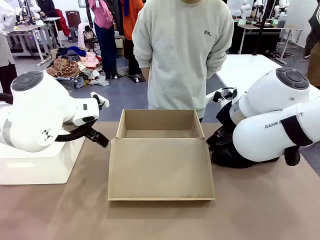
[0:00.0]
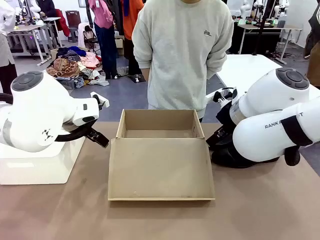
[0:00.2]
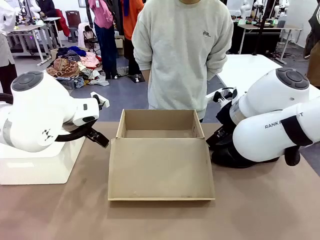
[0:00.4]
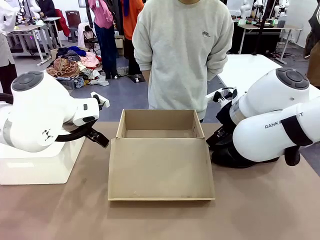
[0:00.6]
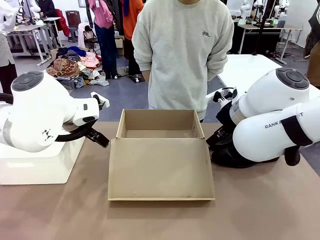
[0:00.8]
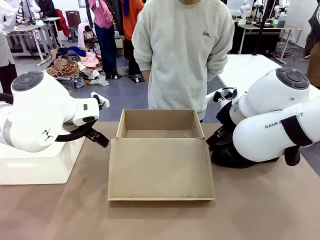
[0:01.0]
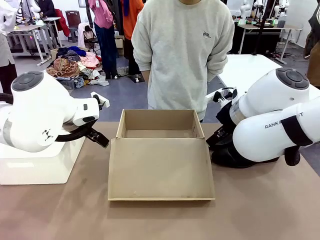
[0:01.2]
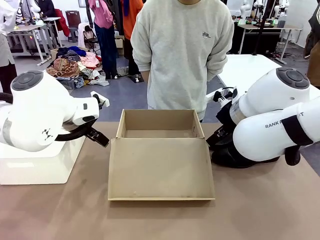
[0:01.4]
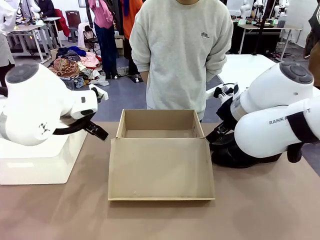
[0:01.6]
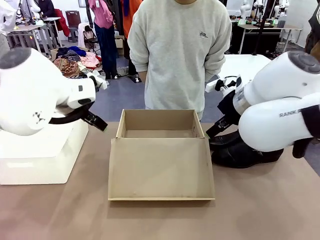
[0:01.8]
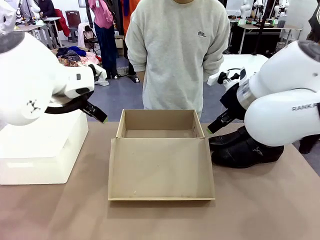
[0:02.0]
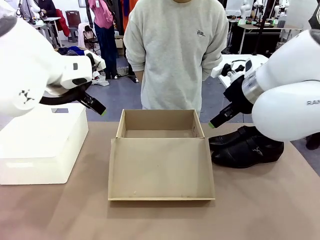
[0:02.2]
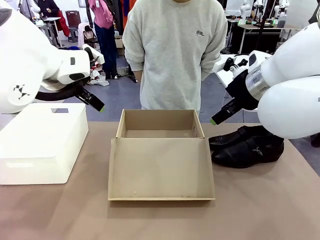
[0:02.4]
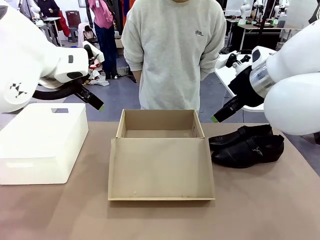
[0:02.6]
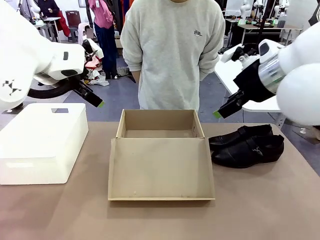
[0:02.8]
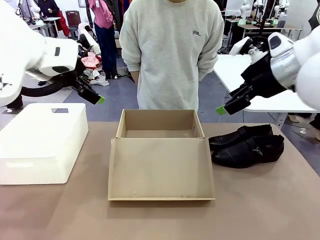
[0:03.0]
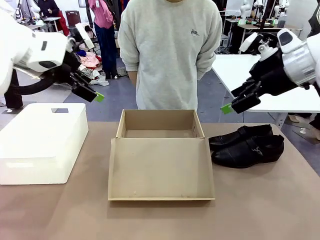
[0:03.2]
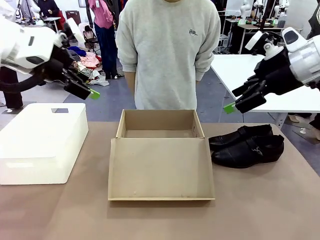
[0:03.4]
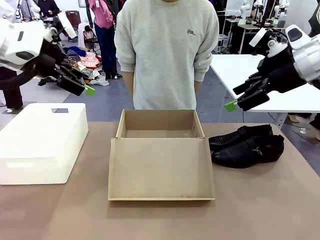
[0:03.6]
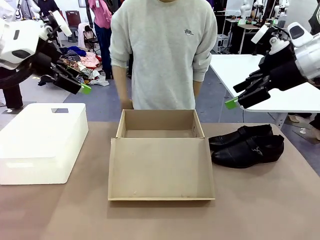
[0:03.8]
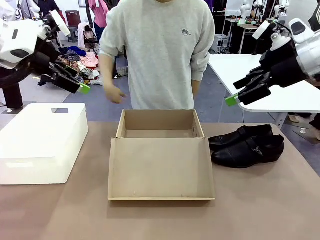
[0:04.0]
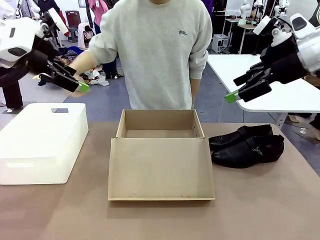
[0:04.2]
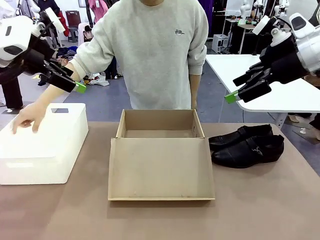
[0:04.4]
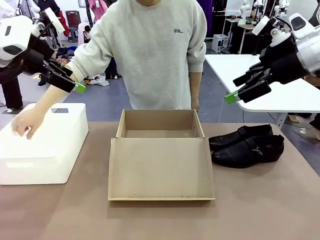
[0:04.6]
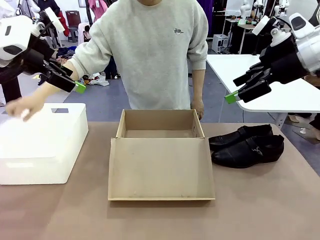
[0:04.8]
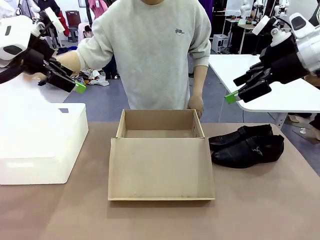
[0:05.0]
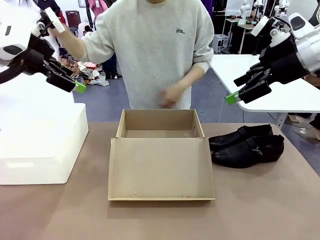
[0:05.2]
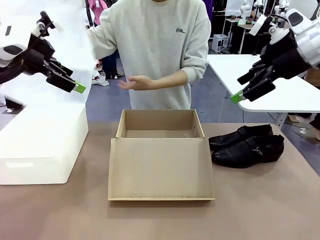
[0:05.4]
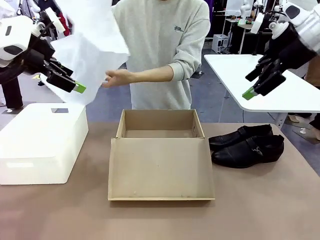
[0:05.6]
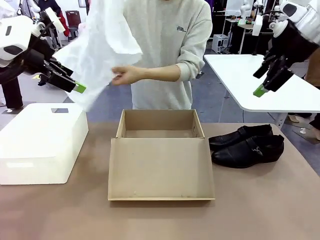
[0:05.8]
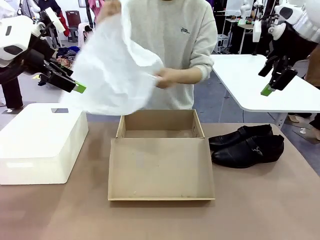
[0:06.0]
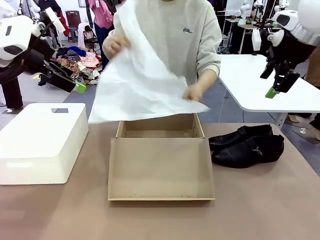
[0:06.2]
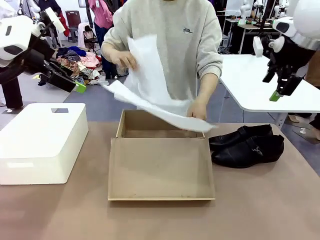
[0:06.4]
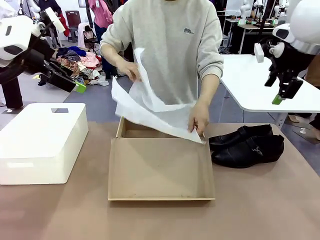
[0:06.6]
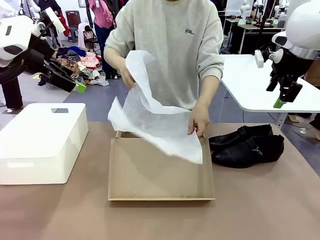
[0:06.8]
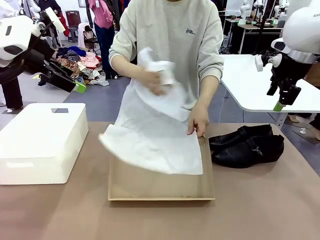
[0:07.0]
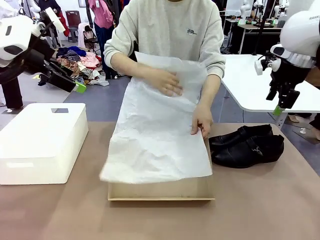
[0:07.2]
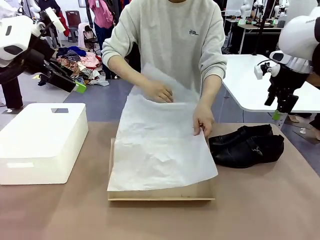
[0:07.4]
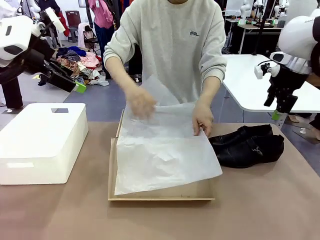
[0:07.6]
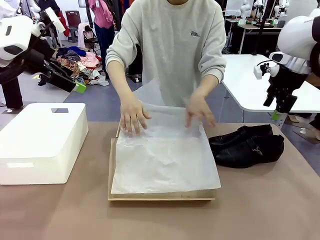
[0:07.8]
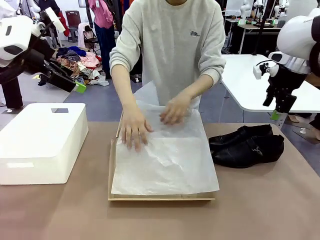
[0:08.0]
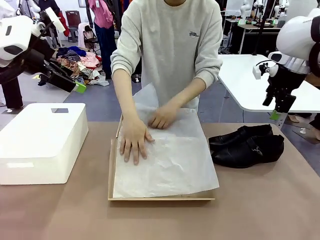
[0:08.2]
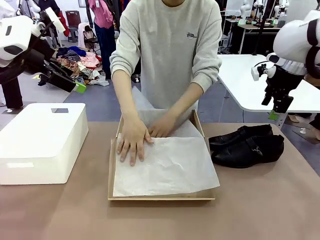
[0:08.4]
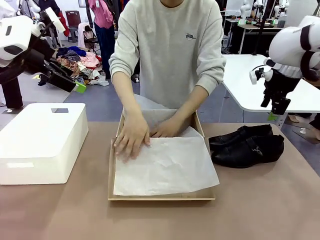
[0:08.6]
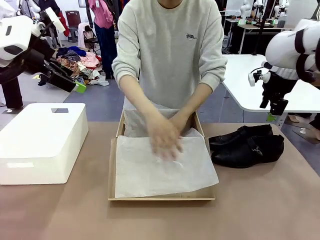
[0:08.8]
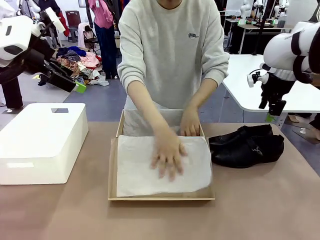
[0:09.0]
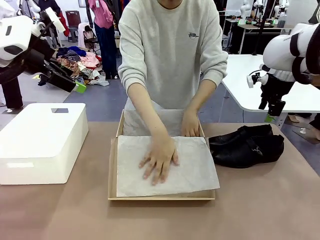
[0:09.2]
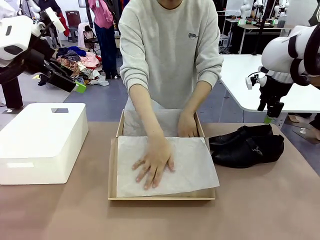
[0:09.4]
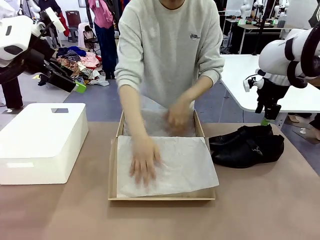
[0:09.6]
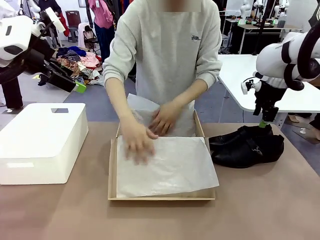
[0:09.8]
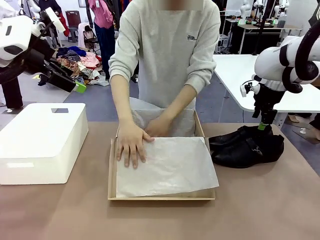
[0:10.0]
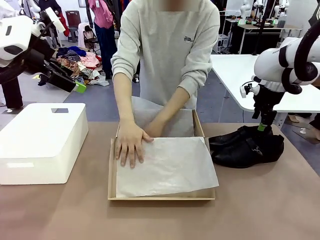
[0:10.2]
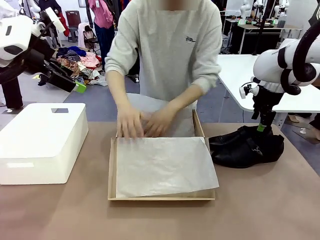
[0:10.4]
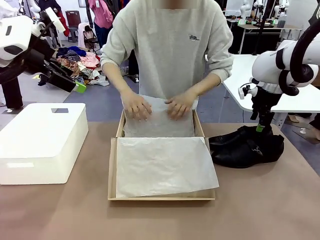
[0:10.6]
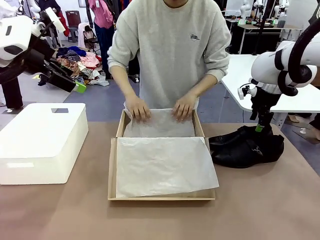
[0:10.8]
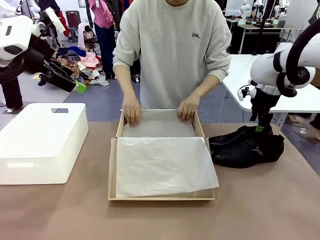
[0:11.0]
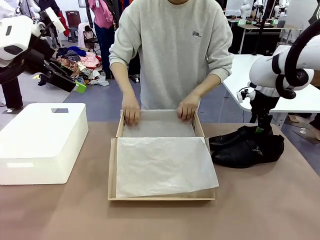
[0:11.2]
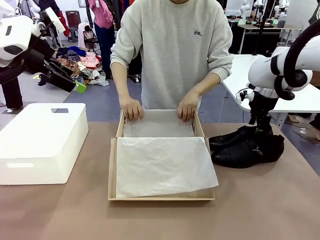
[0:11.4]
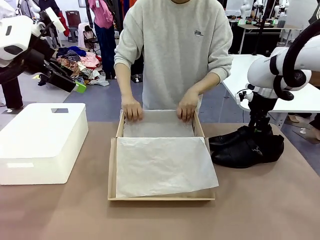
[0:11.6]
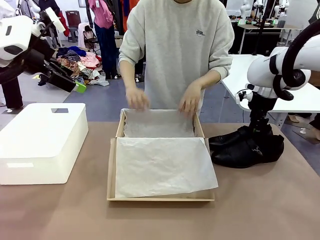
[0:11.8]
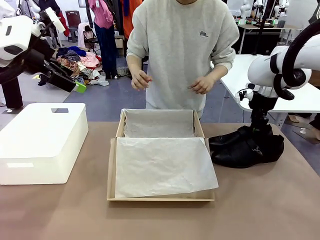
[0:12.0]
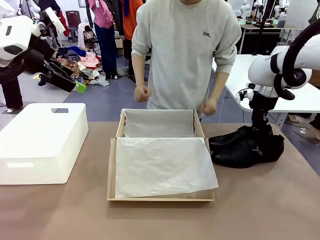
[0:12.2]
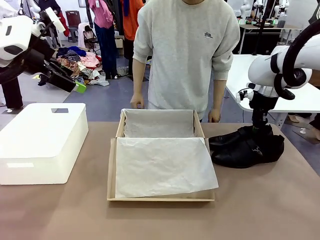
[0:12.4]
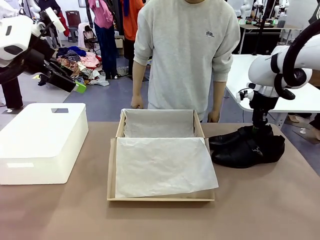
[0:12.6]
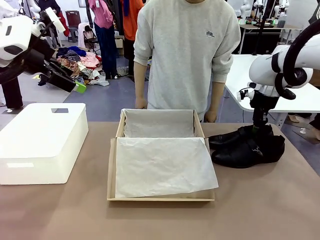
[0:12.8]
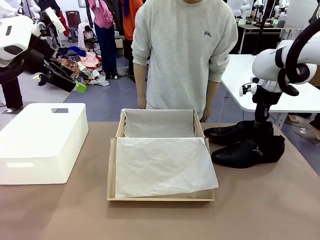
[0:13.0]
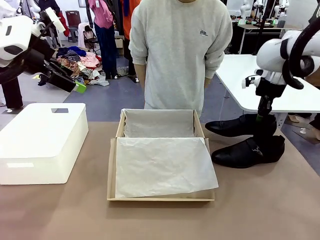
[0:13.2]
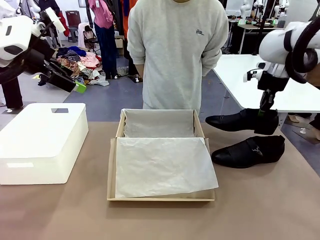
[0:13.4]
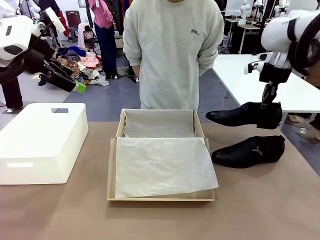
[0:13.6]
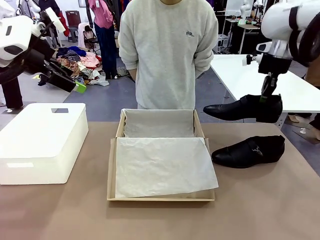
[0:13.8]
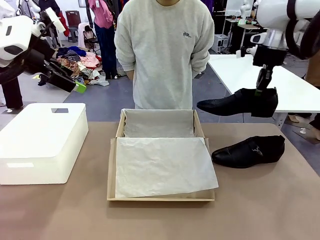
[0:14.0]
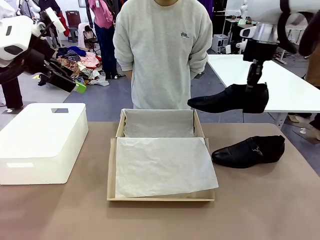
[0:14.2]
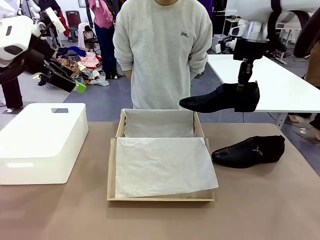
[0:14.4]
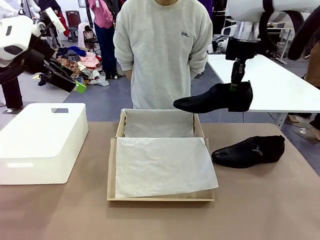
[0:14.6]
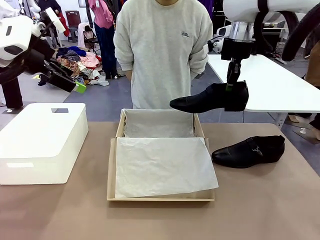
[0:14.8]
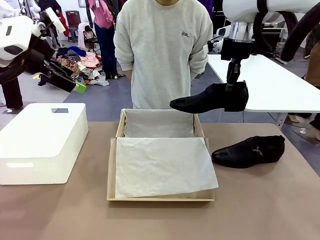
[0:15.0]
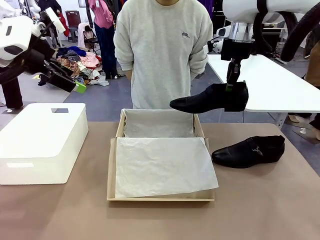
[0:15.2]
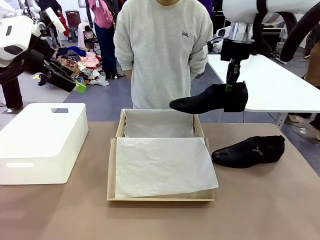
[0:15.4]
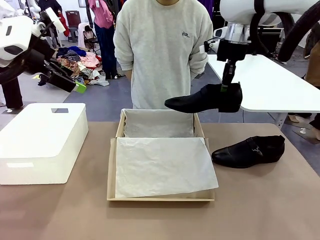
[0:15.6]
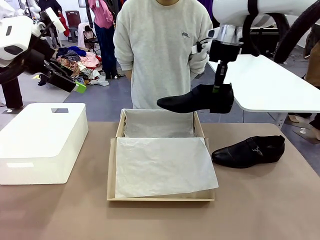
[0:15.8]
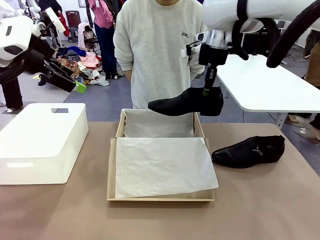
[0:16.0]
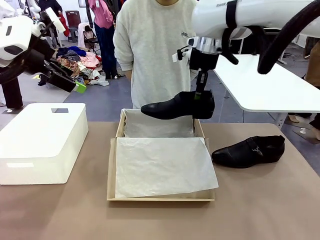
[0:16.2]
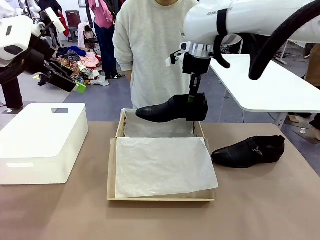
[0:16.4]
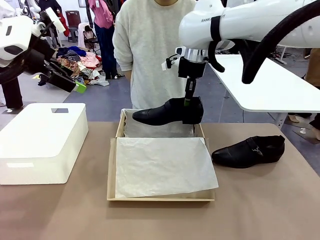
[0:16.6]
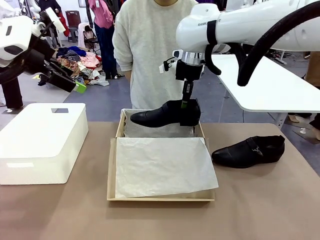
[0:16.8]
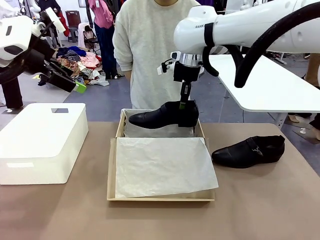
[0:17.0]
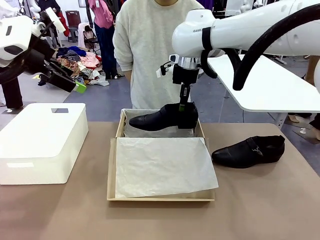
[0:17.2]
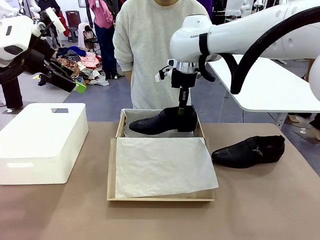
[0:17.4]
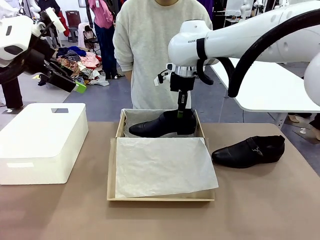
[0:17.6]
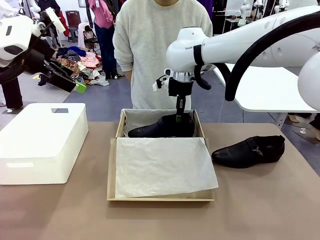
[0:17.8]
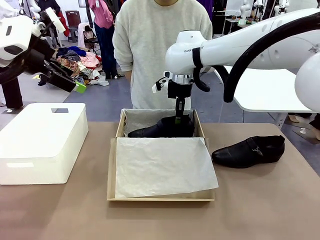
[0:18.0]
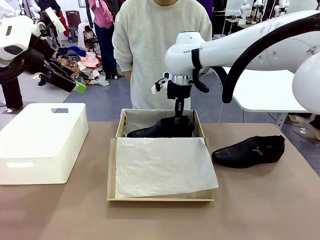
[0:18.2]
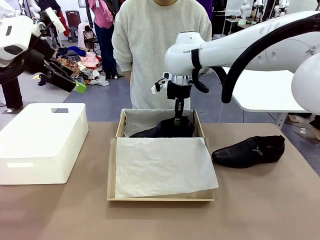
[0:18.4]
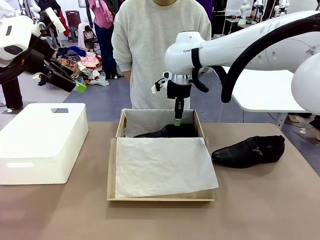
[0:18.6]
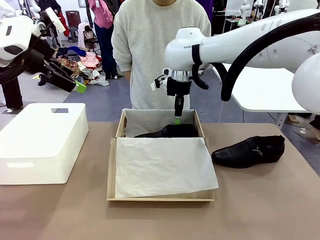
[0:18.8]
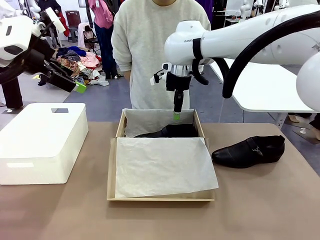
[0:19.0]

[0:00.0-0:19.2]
Task: Pack the shoes into the box.
Robot: Place one shoe of the Shoes into the Shoes Box.
Person: Spread Shoes Wrapping Paper and place inside the Shoes Box.
